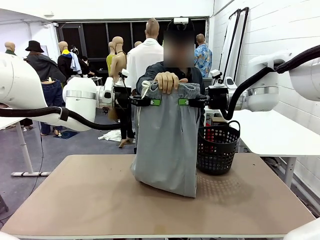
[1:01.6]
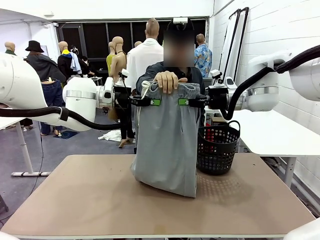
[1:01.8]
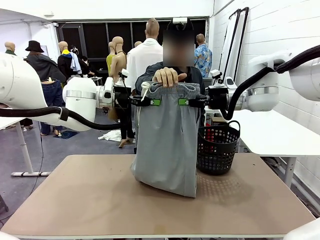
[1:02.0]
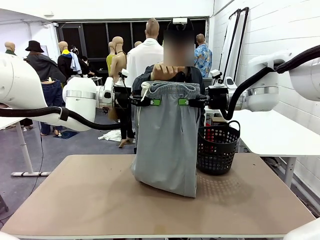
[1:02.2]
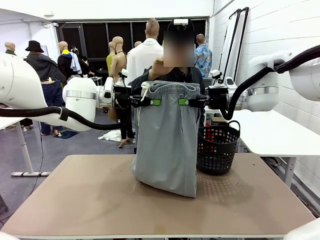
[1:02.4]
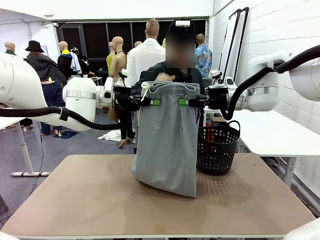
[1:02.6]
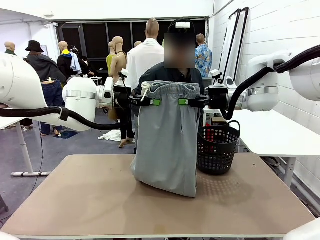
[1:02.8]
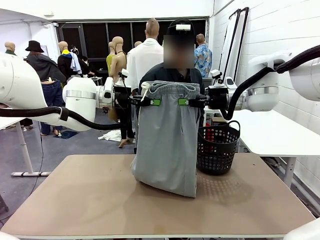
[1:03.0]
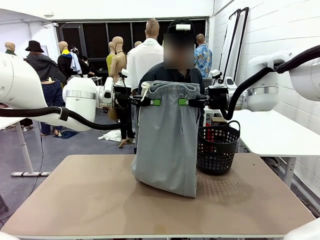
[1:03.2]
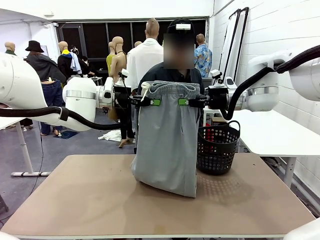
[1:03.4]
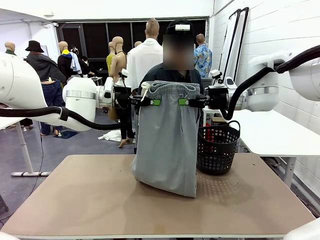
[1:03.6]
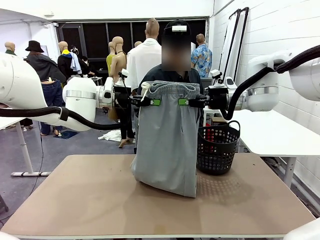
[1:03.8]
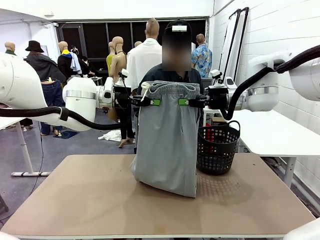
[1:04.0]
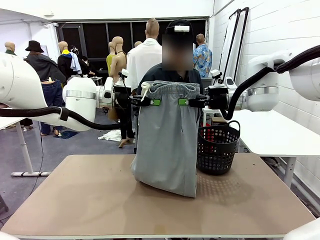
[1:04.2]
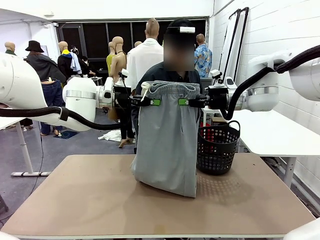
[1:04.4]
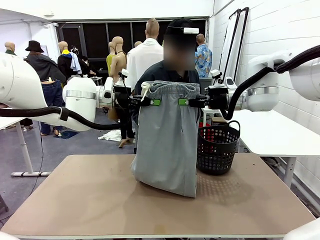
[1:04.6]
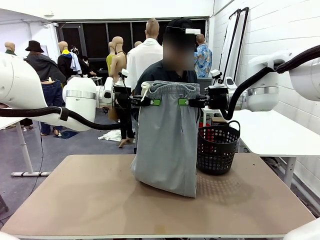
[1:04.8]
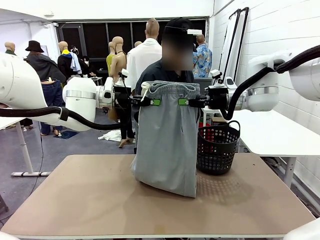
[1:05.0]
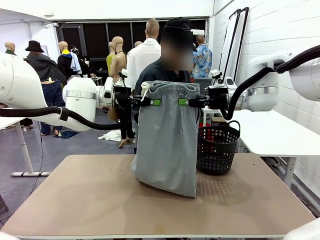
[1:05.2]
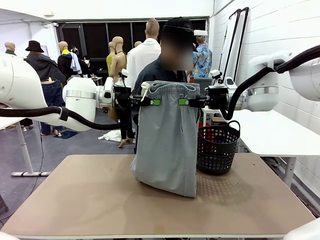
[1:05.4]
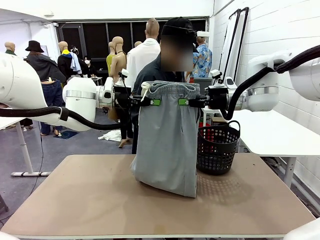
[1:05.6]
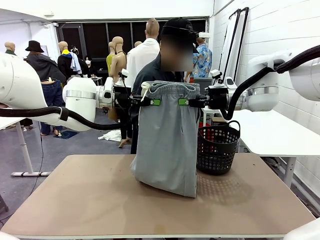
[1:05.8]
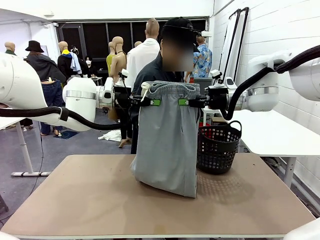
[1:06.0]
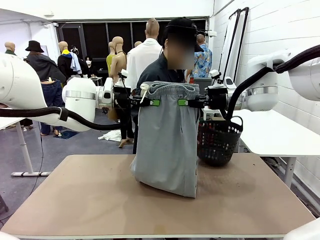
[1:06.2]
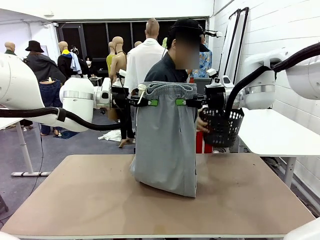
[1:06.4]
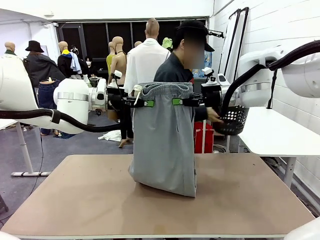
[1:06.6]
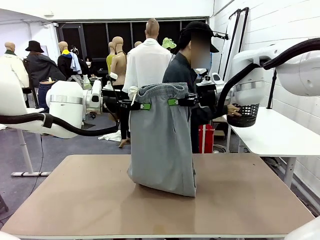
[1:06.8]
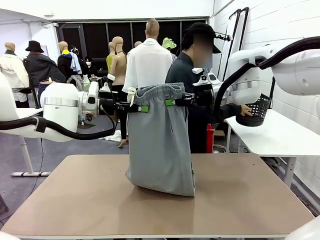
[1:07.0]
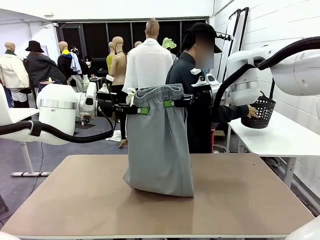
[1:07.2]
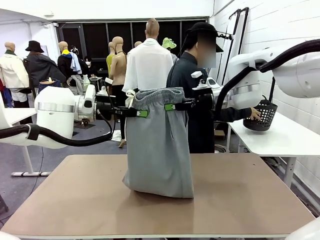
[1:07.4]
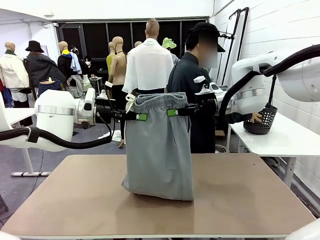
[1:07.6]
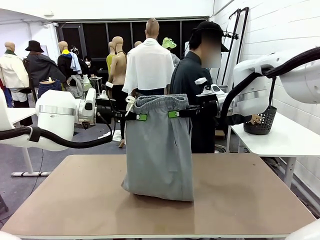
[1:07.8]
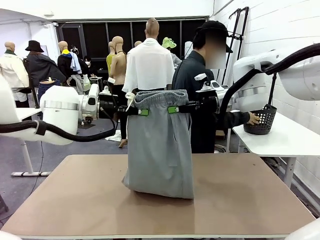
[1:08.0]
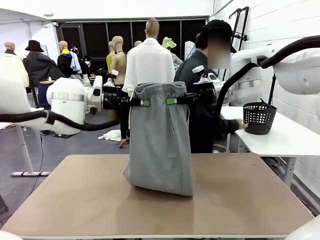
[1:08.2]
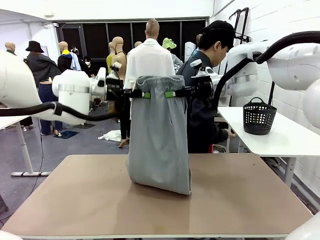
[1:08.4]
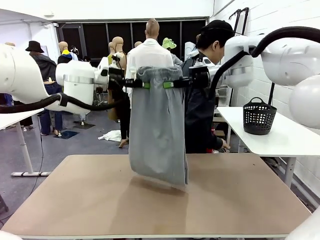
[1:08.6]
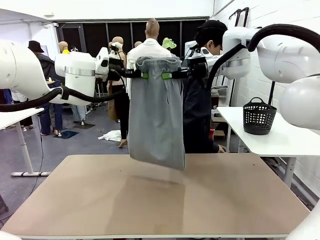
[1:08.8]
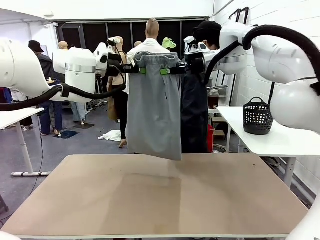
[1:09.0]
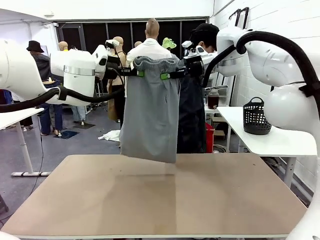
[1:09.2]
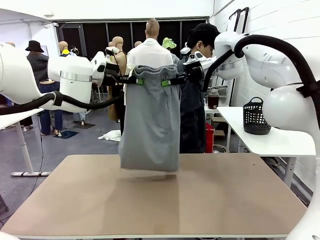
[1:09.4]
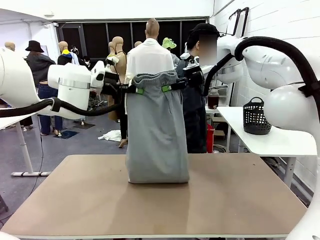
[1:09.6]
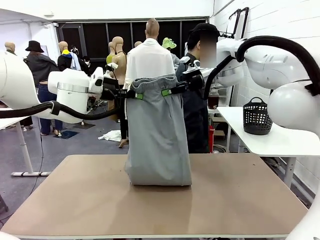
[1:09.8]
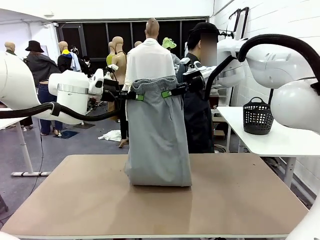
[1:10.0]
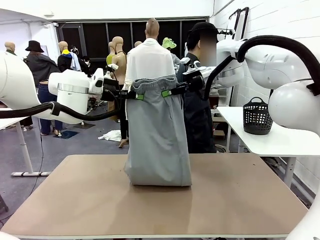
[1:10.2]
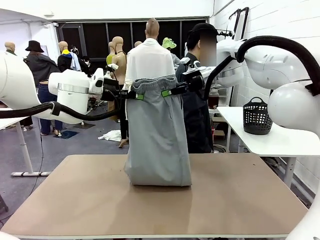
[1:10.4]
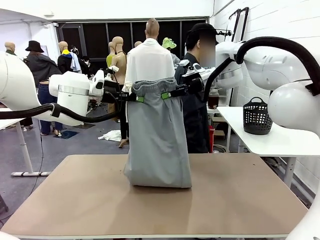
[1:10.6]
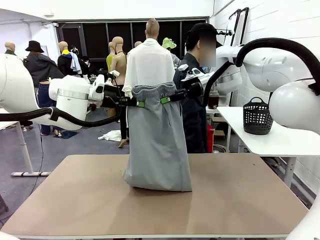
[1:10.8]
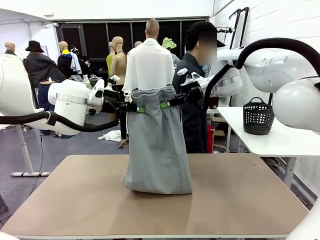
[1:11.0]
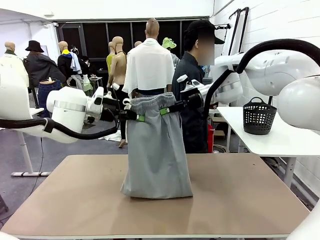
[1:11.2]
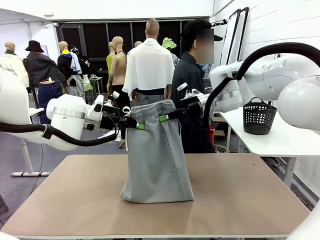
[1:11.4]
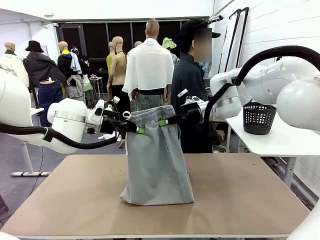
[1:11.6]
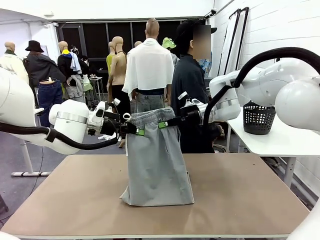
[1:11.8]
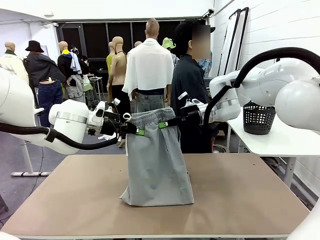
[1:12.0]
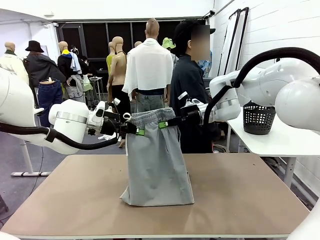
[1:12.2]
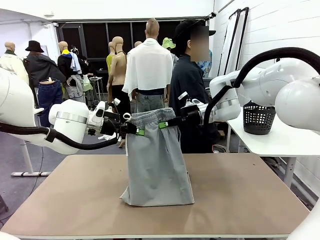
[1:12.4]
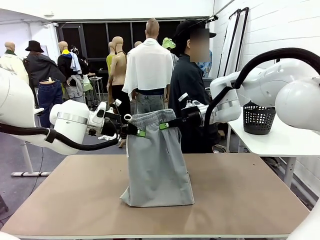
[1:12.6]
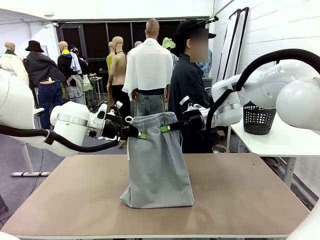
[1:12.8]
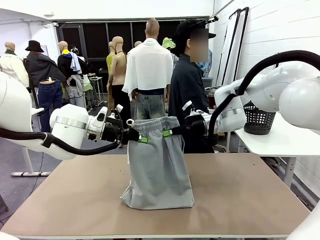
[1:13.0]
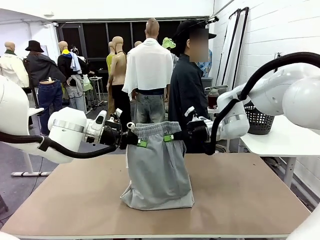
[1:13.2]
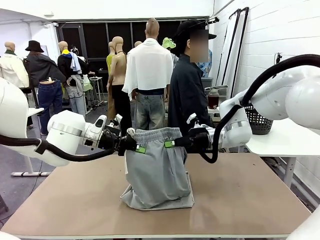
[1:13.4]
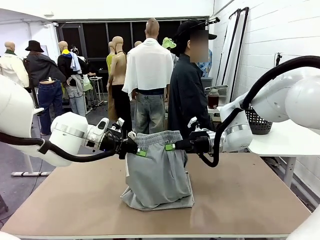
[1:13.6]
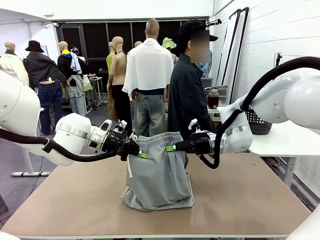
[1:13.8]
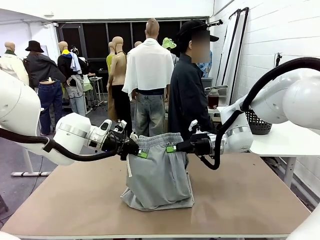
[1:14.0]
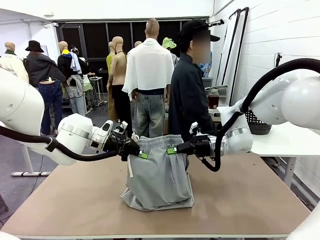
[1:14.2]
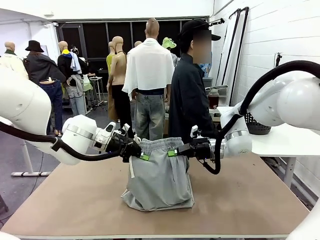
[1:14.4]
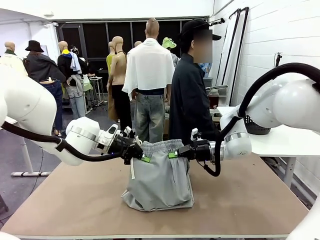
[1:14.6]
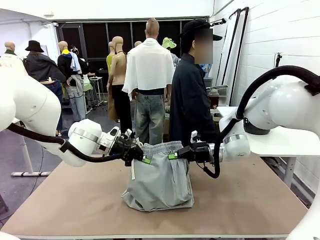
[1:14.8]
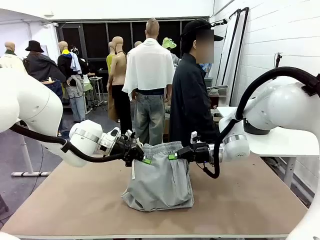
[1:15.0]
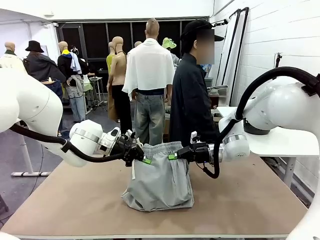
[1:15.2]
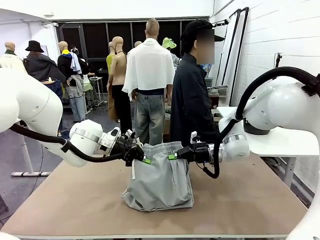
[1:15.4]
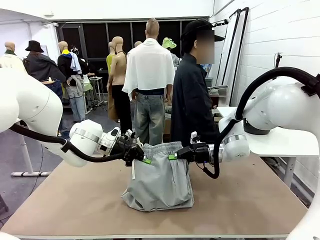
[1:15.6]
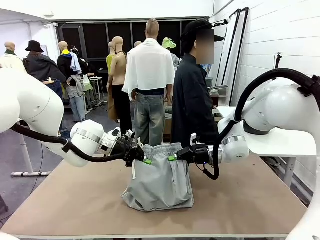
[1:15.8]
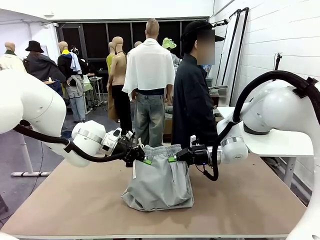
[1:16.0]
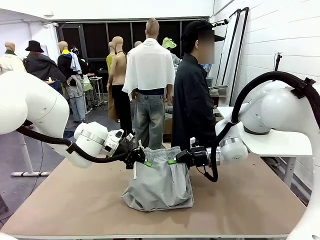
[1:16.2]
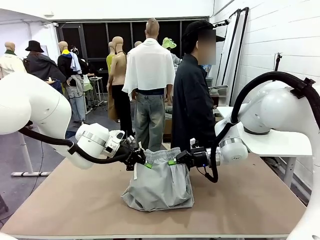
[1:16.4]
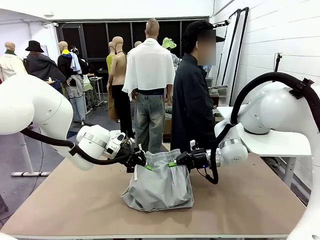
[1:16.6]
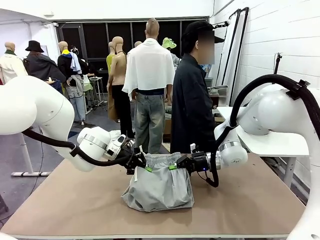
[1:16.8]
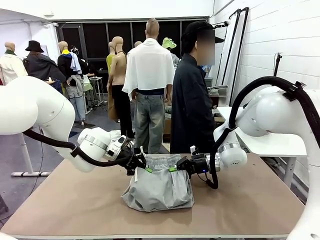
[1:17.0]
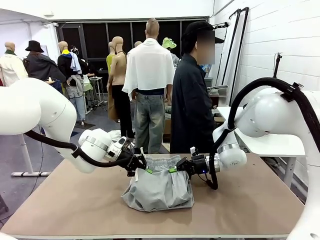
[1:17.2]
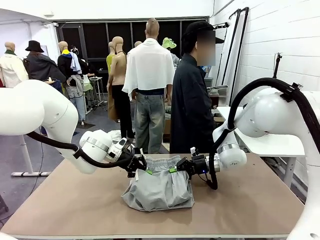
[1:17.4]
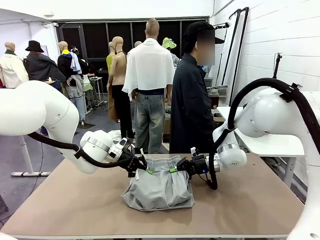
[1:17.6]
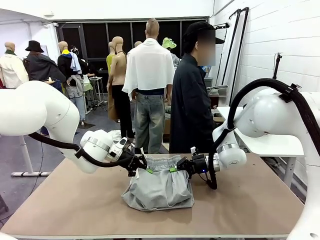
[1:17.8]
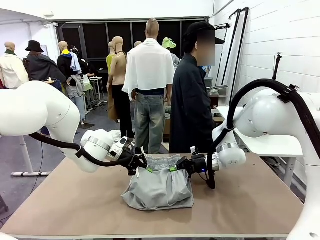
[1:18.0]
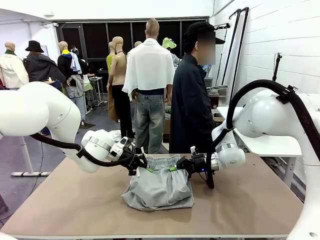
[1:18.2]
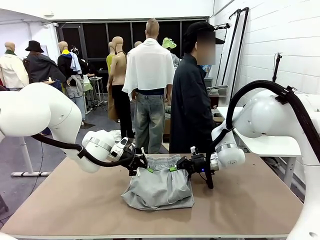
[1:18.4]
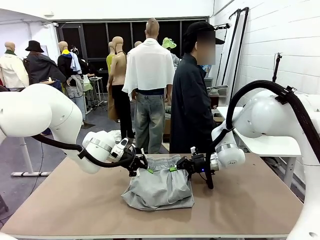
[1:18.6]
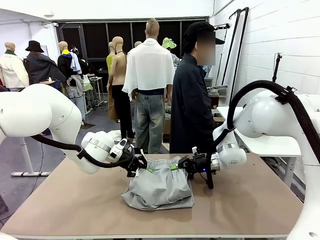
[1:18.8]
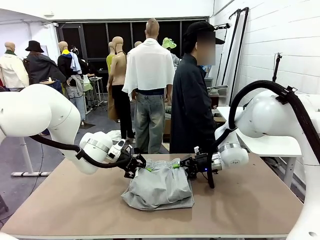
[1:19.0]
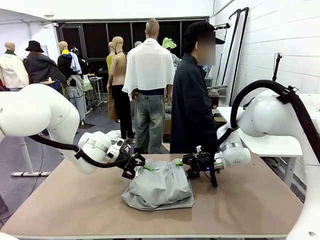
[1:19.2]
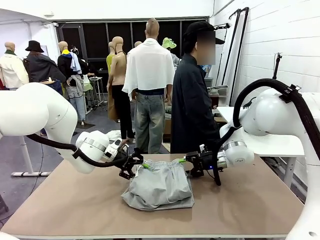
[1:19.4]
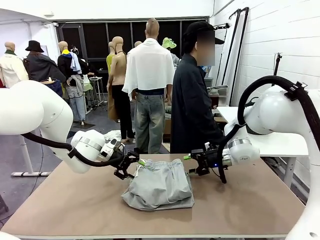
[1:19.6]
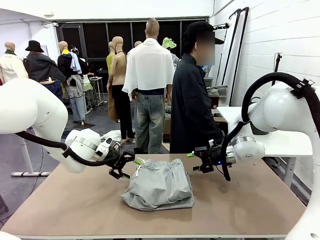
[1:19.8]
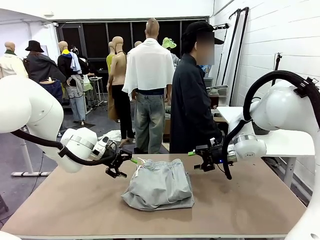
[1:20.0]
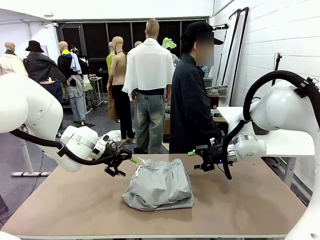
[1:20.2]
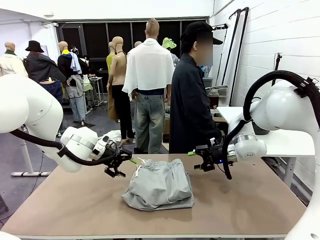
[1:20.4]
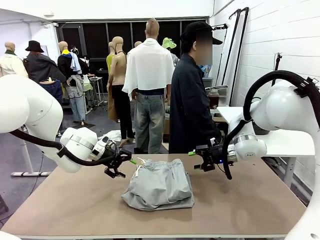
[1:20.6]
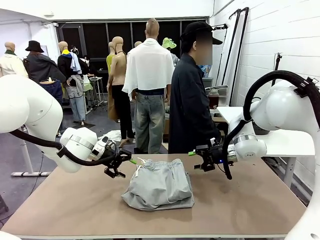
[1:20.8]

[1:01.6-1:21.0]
Task: Fold the training pants.
Robot: Fold the Training pants in half.
Person: Move the laundry basket to the right of the human table.
